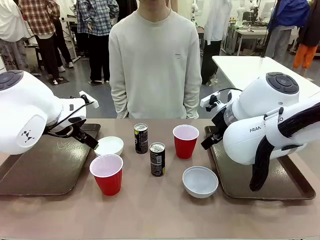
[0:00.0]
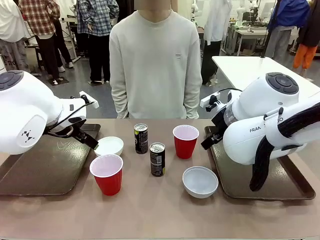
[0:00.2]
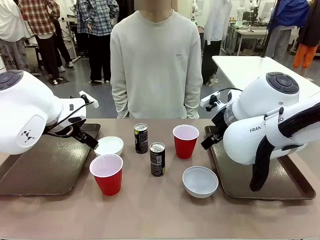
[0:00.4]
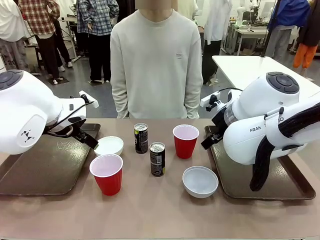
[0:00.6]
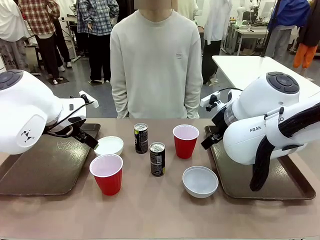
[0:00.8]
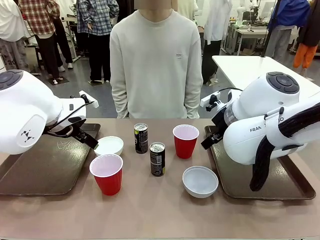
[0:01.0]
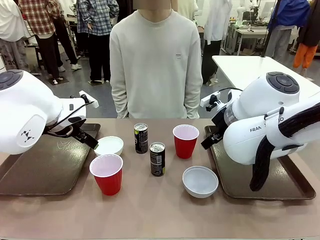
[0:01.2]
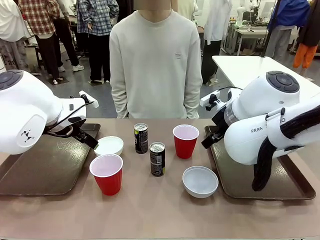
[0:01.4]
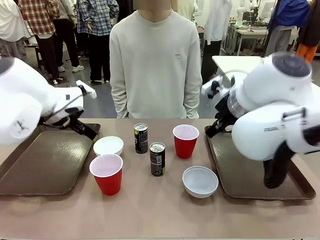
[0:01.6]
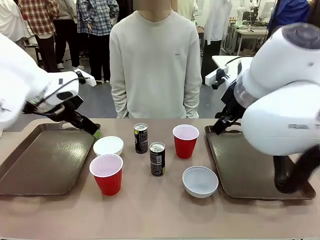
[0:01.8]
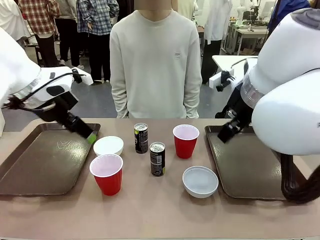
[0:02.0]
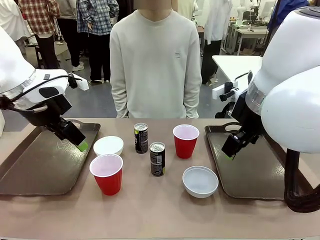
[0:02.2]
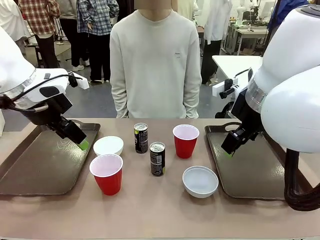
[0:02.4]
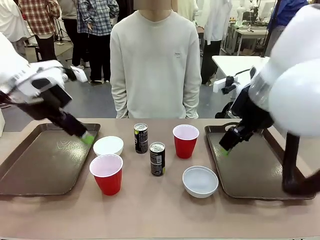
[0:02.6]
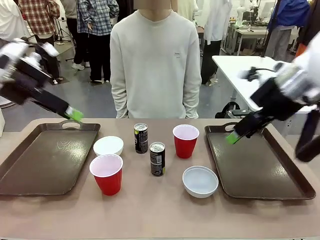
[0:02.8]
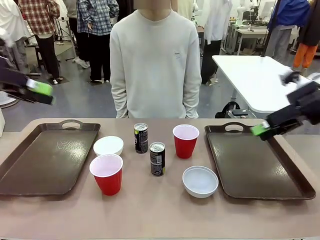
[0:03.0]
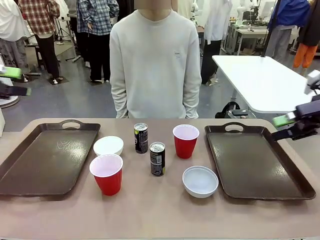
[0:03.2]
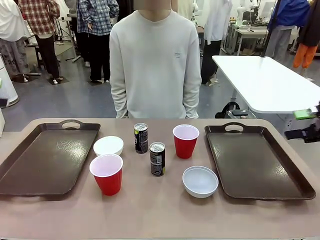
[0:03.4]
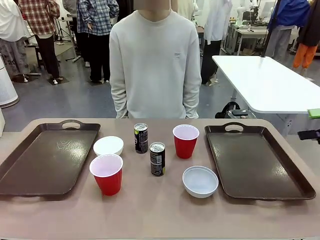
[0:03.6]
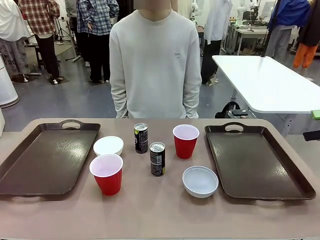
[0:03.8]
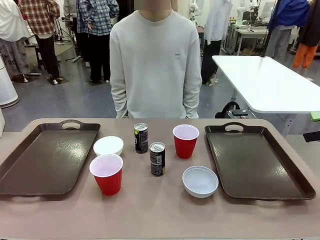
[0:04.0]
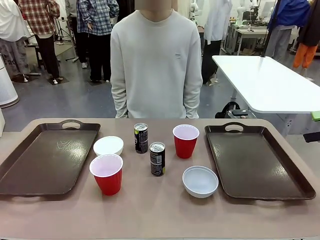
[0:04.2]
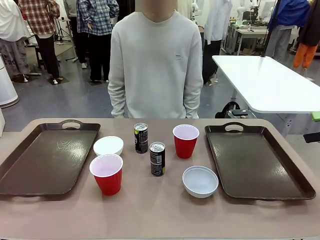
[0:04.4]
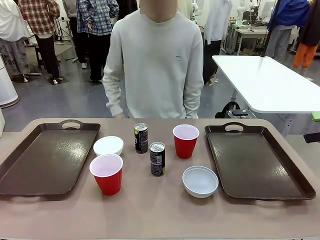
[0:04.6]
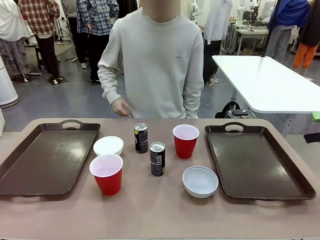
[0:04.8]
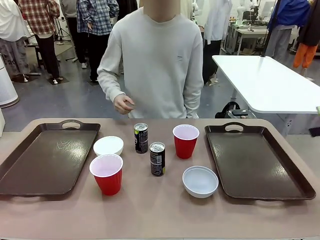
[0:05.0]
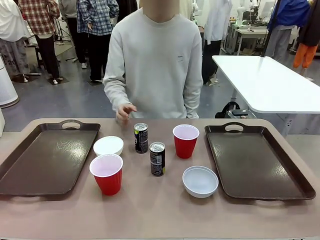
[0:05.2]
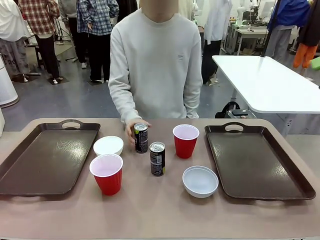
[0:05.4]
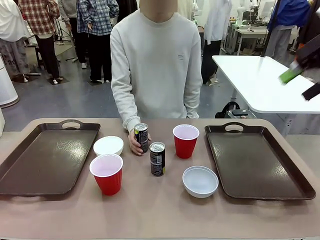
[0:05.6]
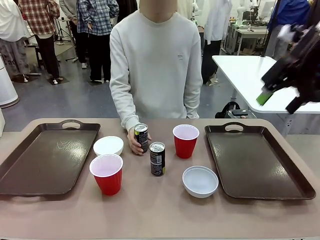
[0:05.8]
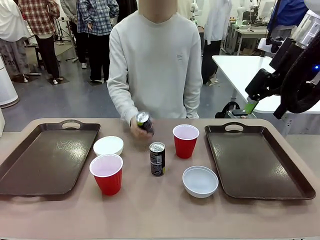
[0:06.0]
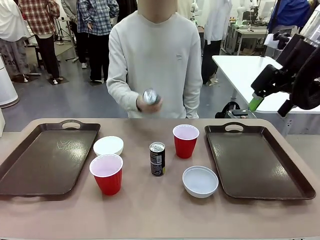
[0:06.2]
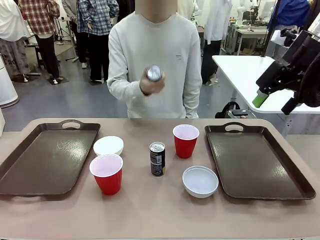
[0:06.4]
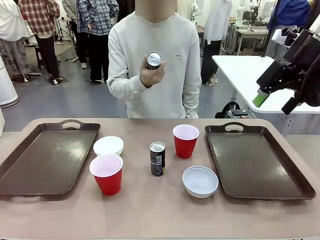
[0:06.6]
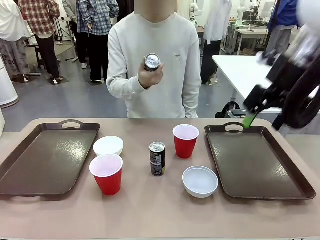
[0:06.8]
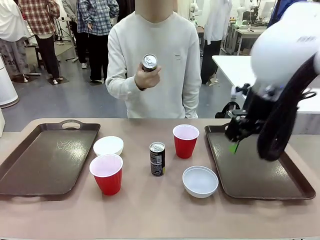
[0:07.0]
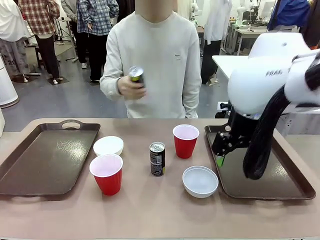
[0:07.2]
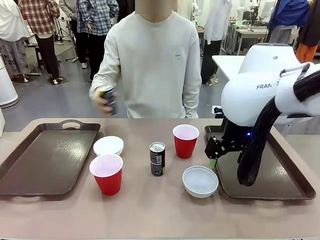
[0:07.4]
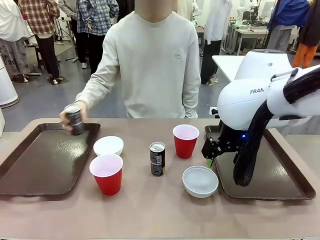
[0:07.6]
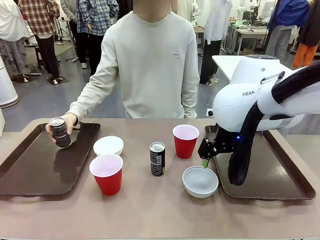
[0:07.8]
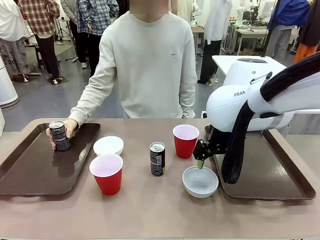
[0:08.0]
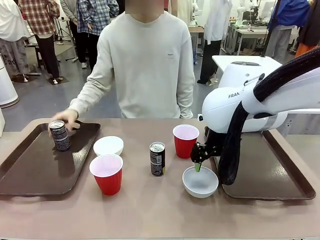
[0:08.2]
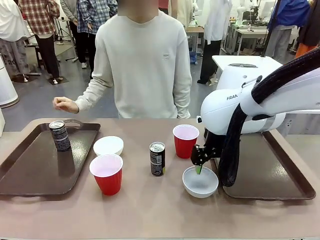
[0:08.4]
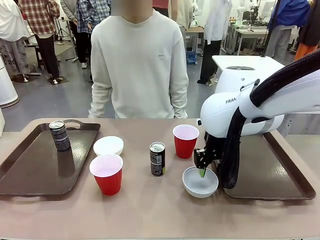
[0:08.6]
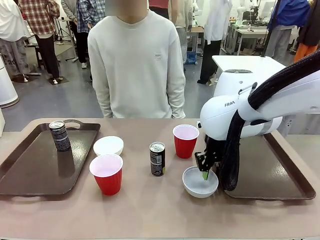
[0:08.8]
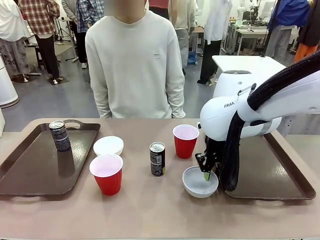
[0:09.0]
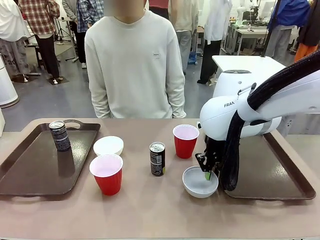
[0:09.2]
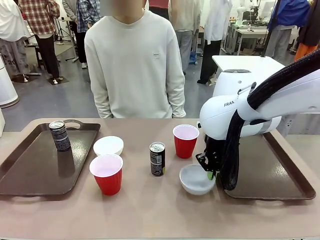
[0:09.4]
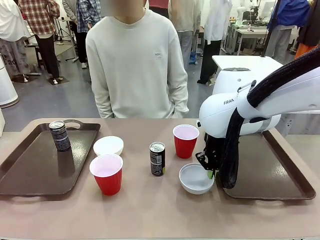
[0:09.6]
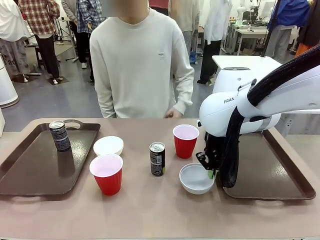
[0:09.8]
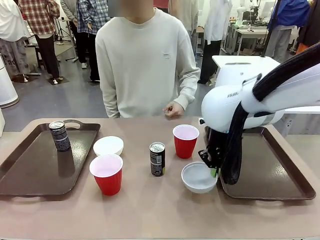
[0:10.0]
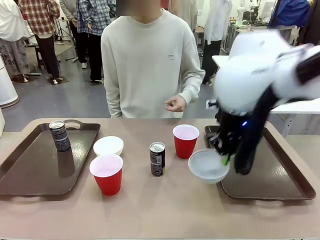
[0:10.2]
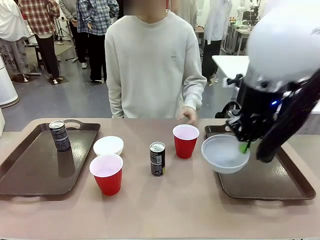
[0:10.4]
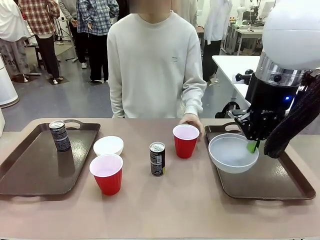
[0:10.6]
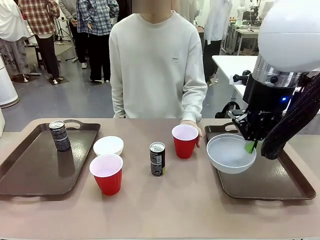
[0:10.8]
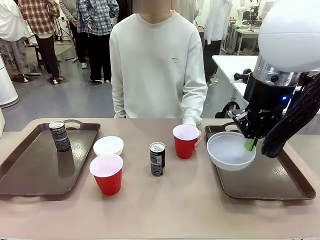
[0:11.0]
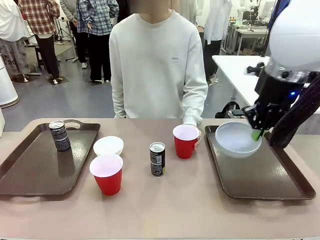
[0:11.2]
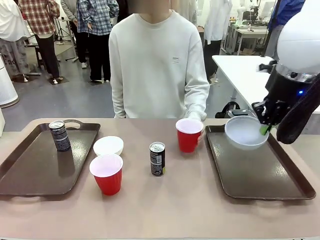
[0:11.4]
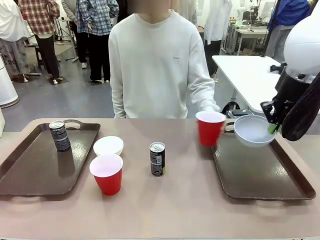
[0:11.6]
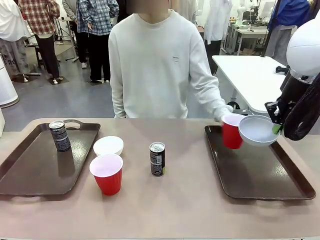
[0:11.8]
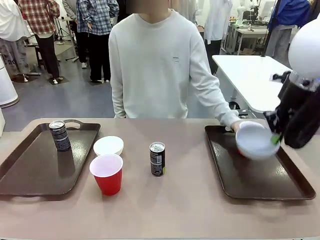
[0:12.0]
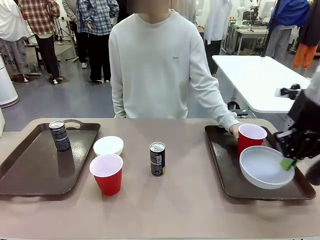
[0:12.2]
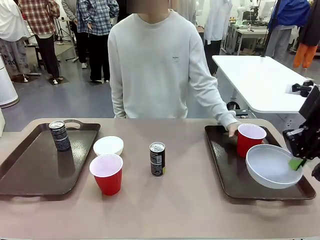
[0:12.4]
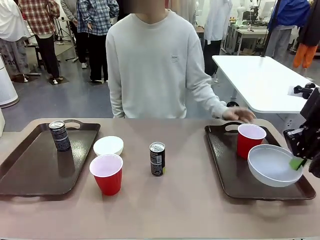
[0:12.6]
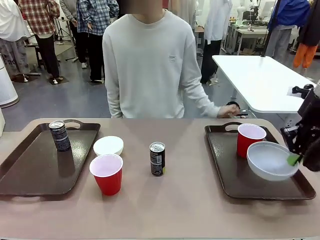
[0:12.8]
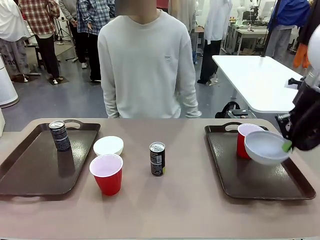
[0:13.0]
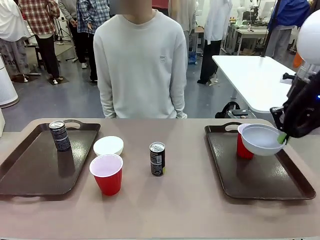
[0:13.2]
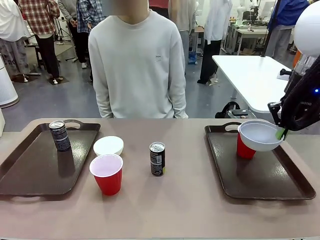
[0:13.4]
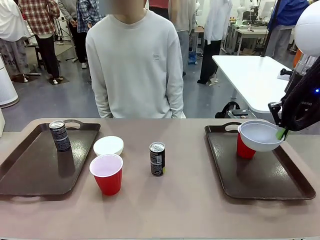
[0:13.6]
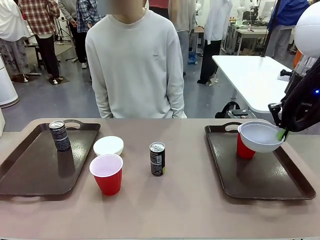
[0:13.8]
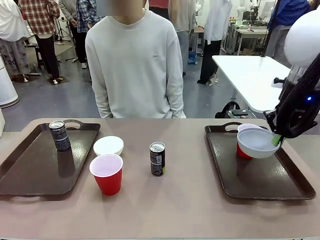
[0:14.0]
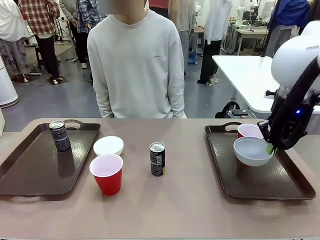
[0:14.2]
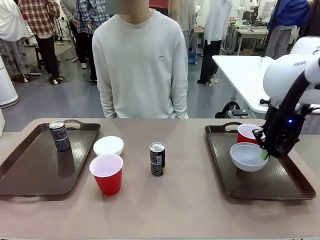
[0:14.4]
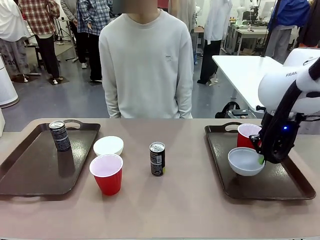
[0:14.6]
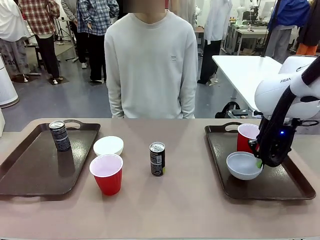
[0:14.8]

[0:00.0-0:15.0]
Task: Prepare tableware on both trays.
Robot: Pick up a Picnic Bowl from the table and place it on a Handle tray.
Person: Pick up a can or cup and place it on the tray.
